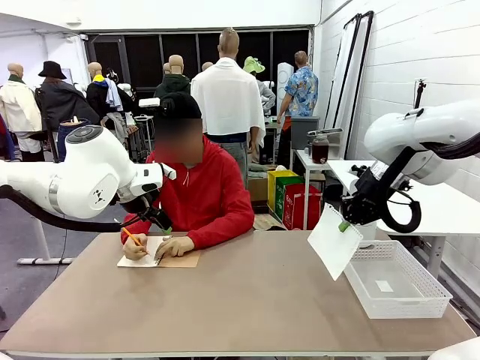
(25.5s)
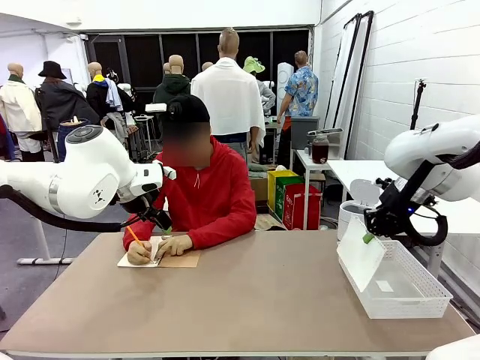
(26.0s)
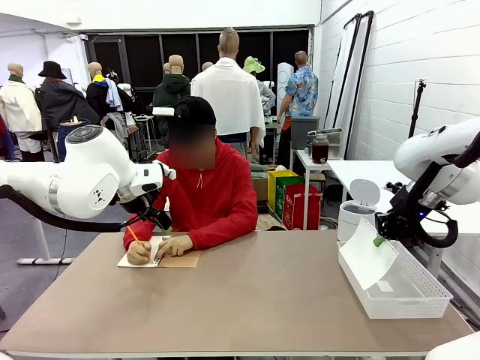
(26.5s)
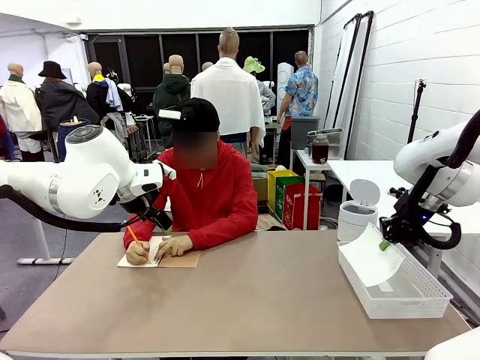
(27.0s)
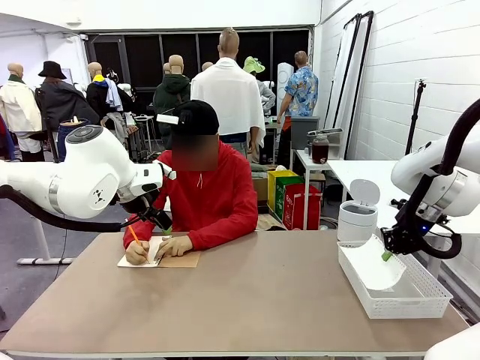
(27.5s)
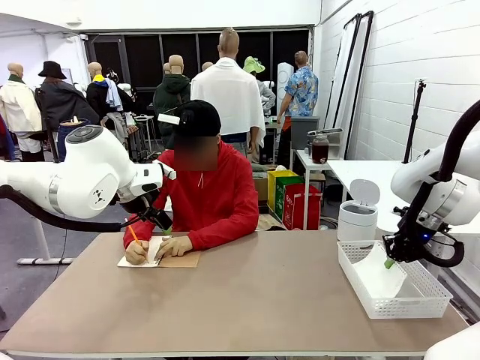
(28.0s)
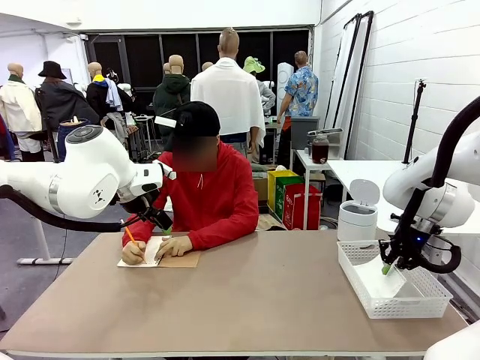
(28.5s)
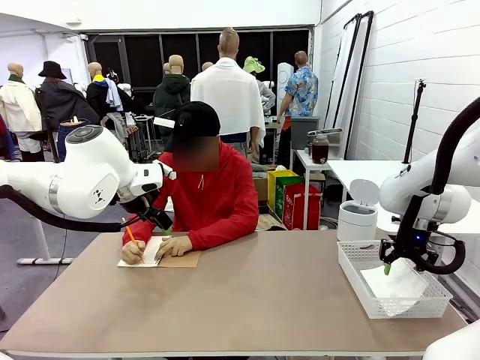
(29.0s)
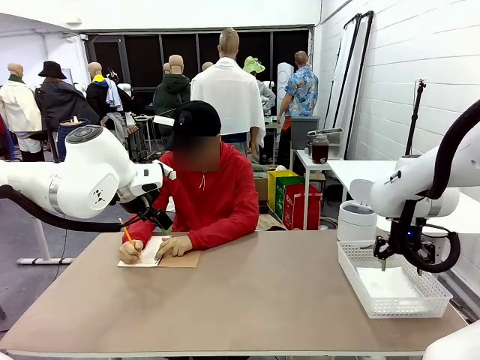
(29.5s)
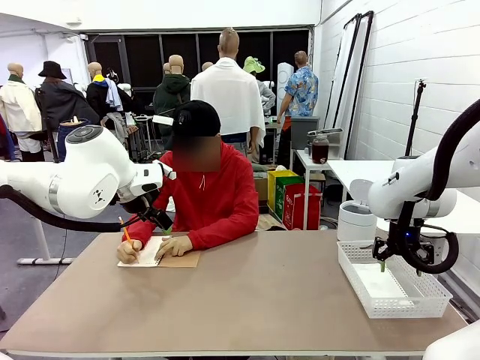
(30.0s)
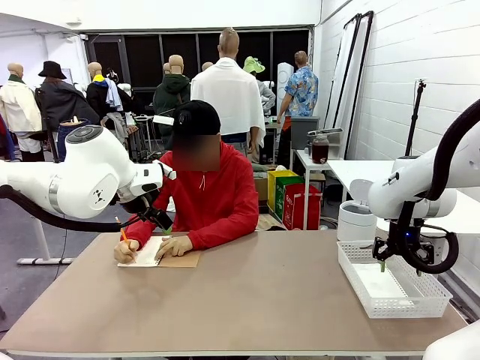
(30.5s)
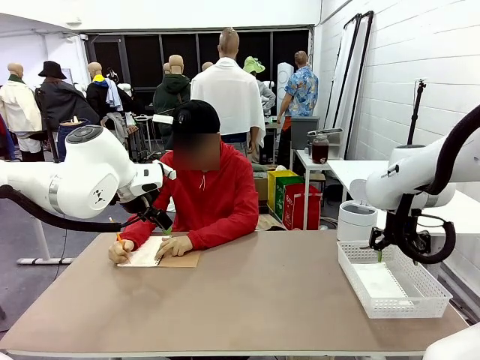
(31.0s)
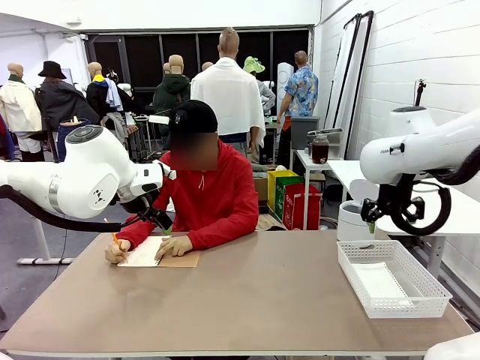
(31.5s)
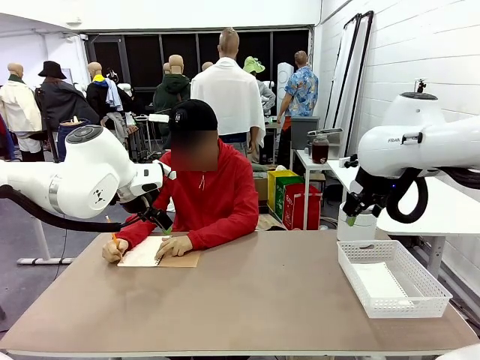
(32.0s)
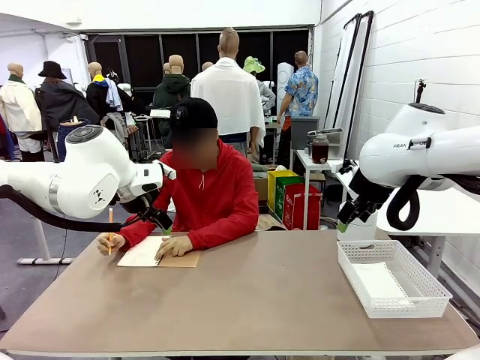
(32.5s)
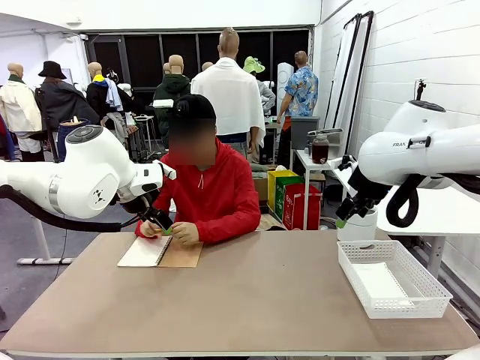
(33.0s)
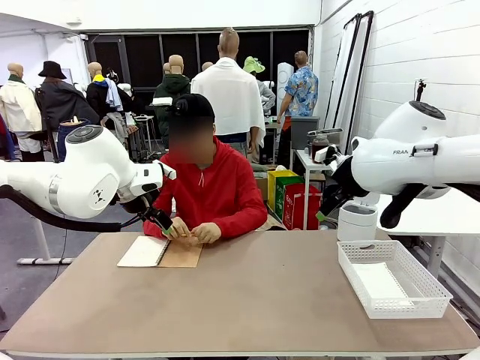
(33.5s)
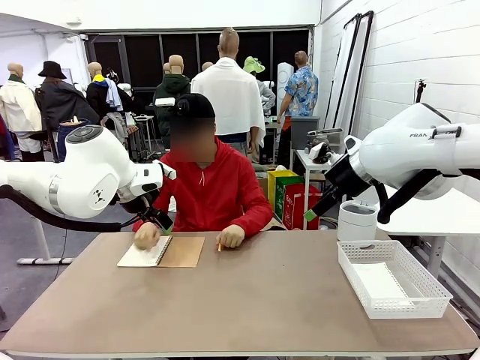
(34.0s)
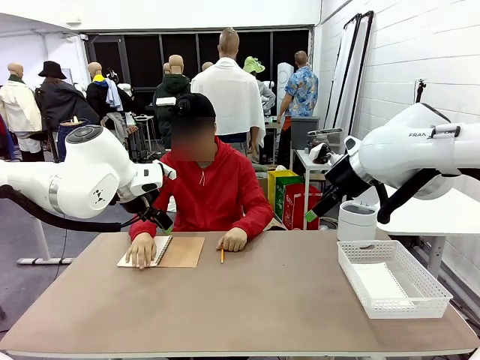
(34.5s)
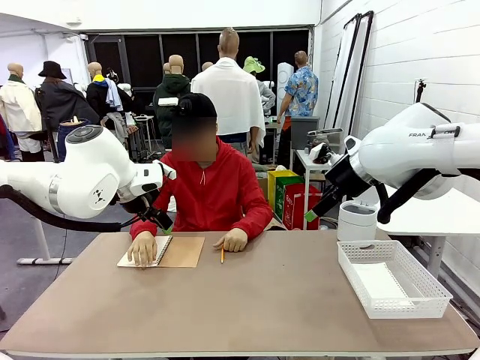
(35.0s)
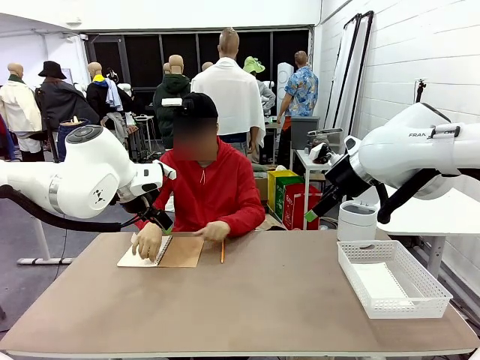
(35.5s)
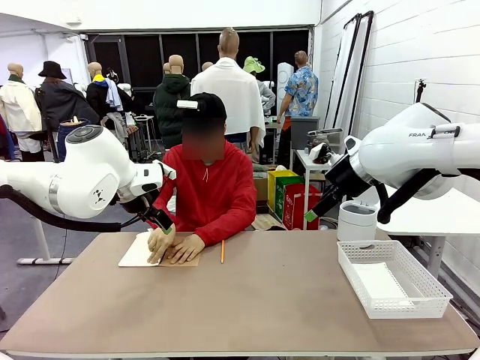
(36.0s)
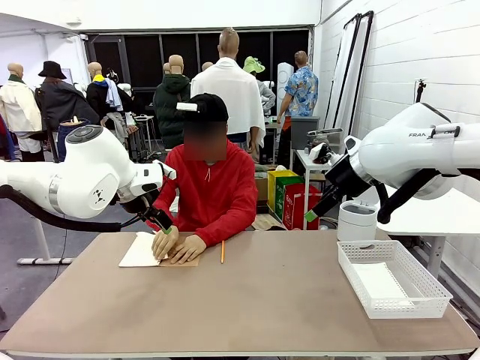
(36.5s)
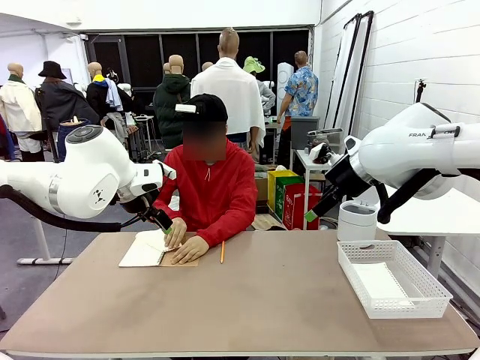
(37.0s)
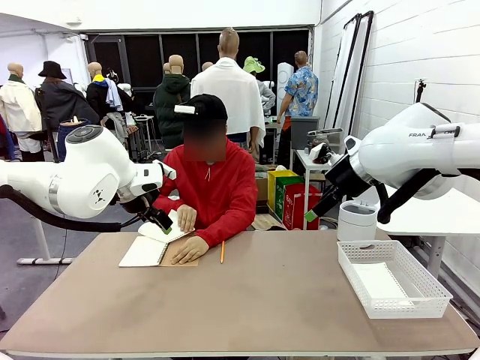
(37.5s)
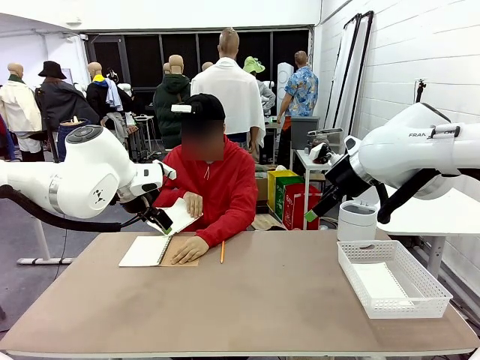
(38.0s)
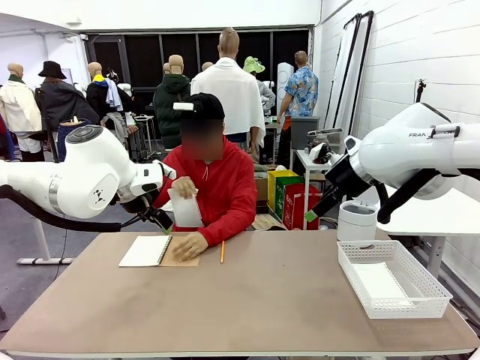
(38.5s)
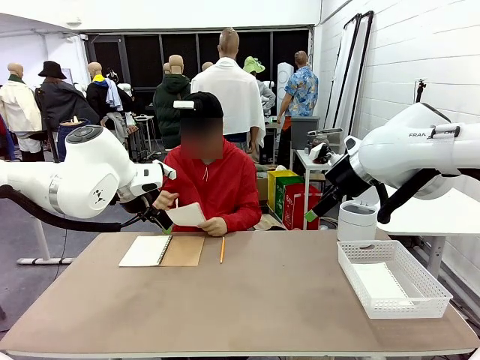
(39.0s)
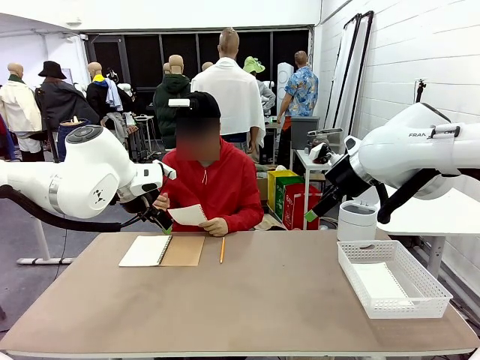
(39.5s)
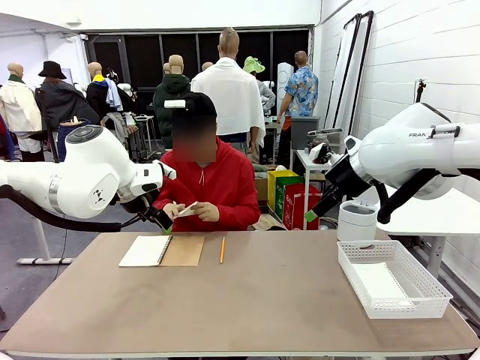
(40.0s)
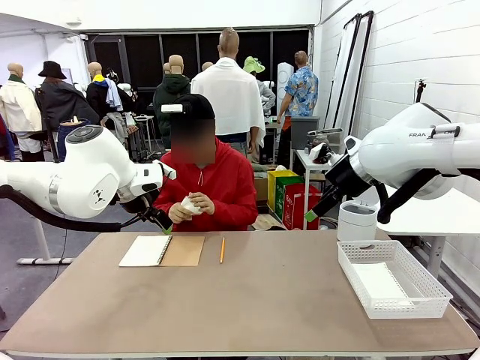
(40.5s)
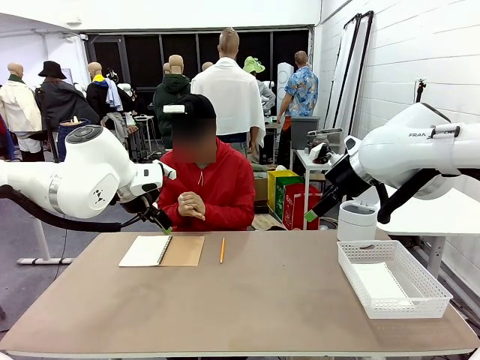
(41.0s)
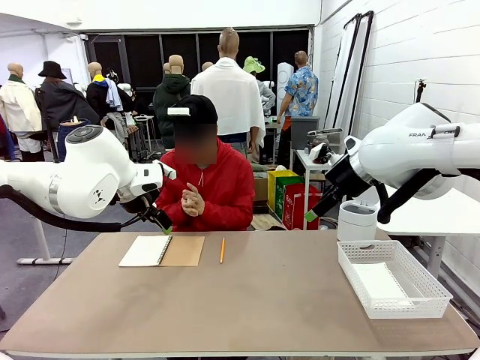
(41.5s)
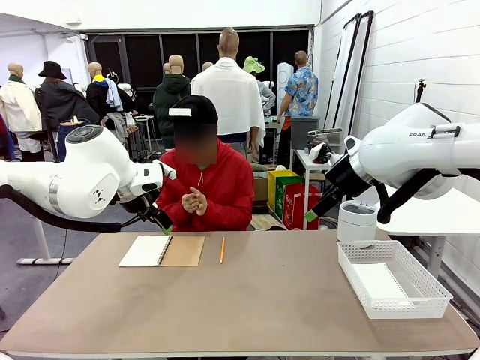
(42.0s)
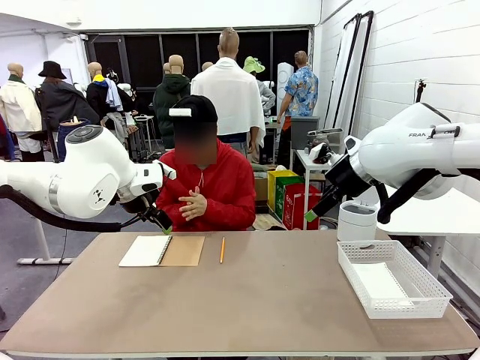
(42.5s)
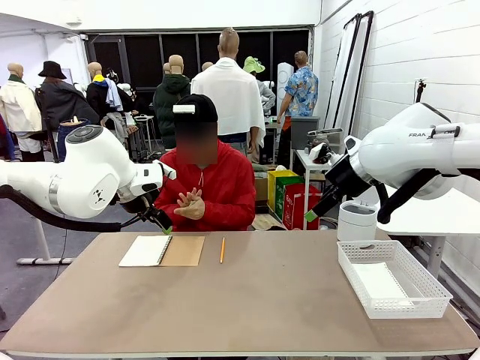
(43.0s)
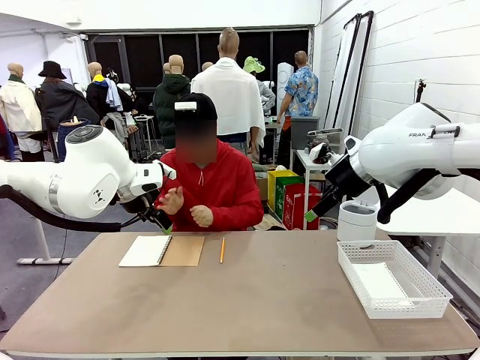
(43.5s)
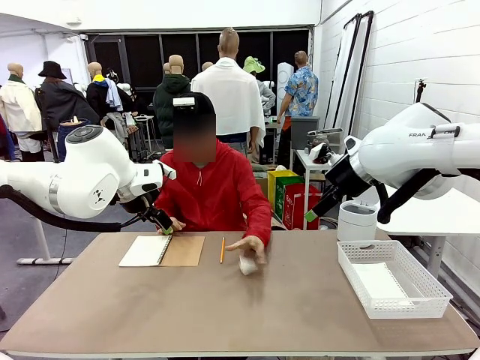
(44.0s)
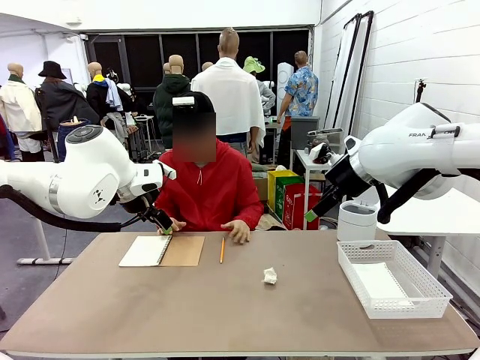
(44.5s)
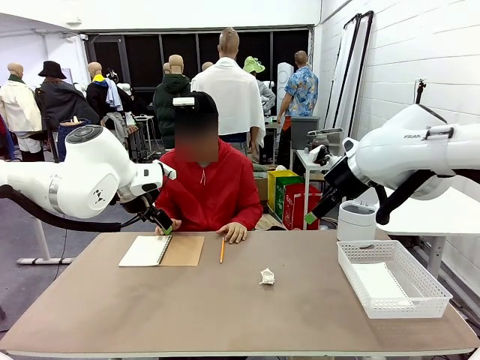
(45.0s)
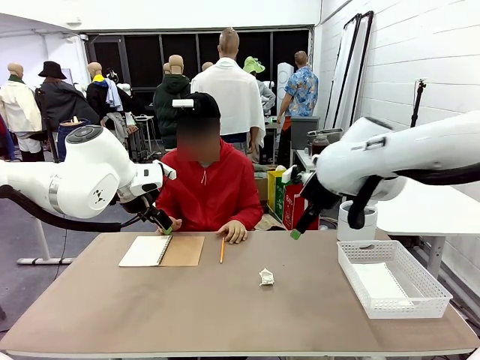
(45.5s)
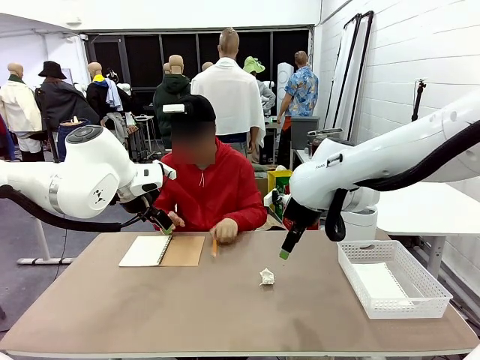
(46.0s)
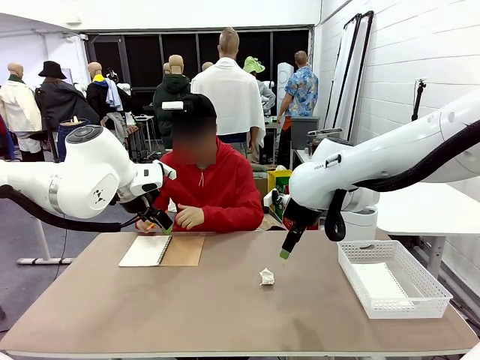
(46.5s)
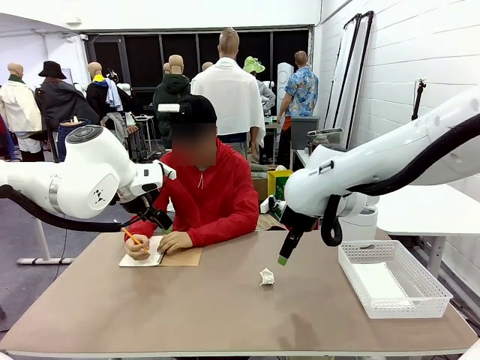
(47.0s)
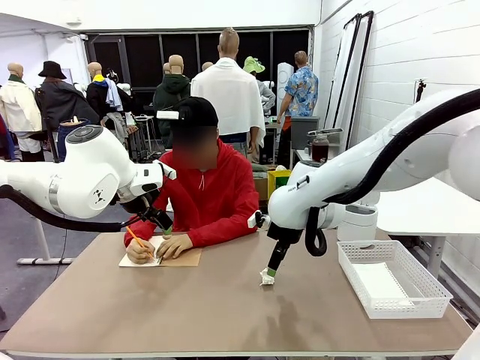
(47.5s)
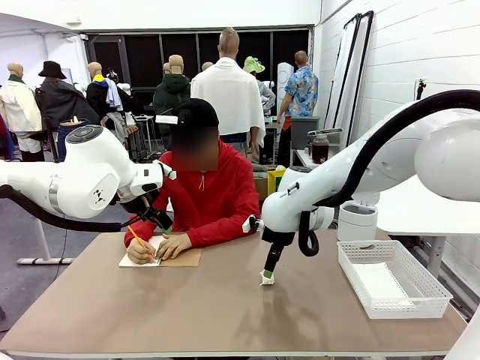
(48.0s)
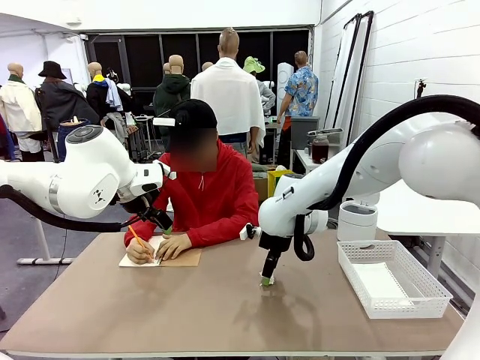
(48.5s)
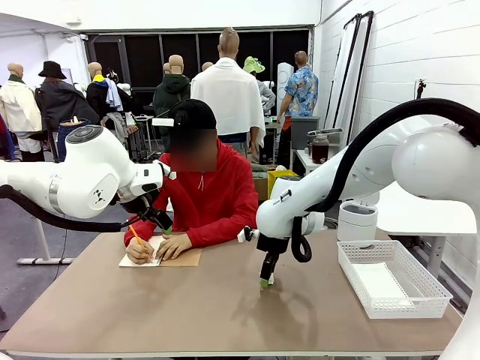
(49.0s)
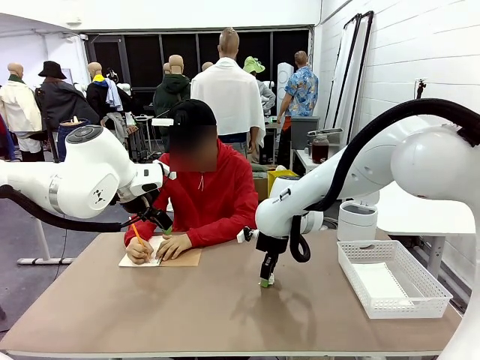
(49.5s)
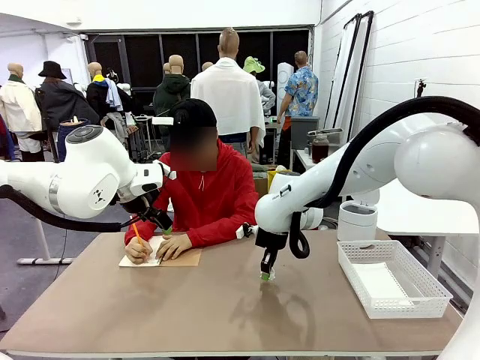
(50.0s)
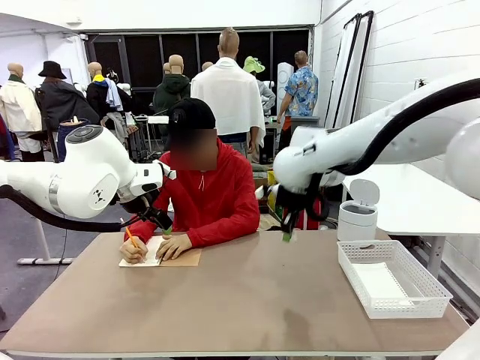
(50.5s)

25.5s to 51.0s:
Task: Sort the paper based on its condition.
Robot: If a person hands you a paper, place it in the Organizing basket , and if it's crumpled, put it in the Trash can.
Person: Tear out a page from the spiral notebook. Hand the torn page to the robot or crumple it and throw it to the center of the table.
